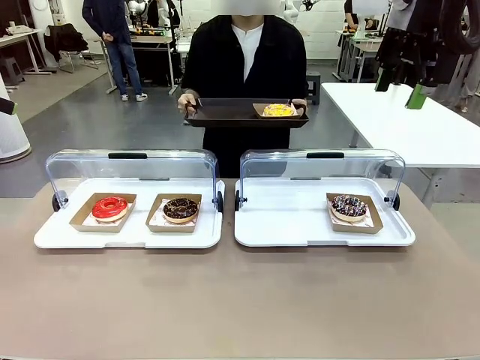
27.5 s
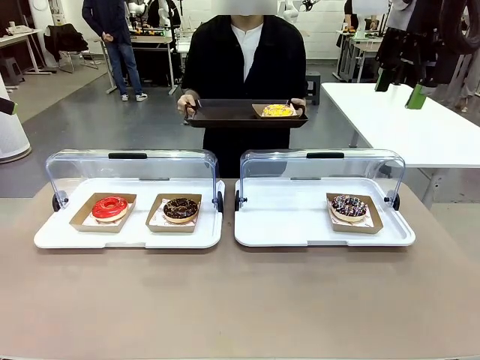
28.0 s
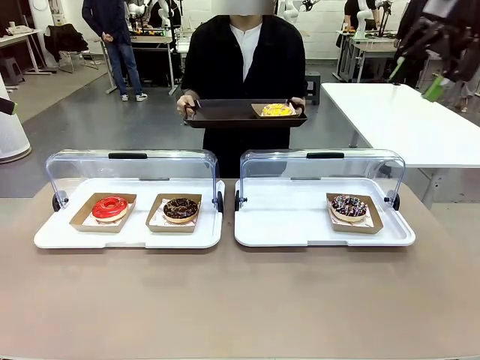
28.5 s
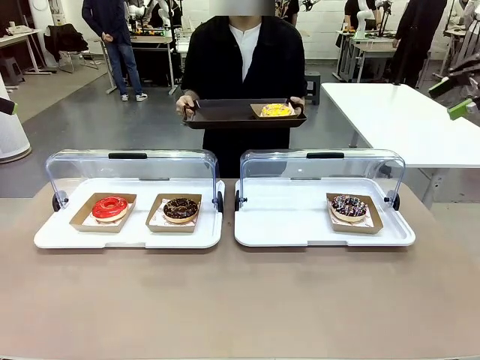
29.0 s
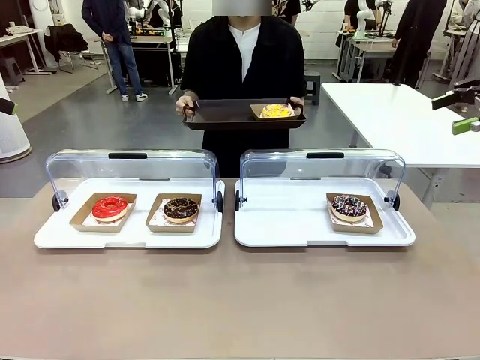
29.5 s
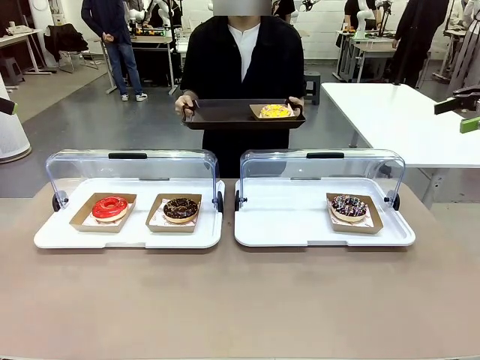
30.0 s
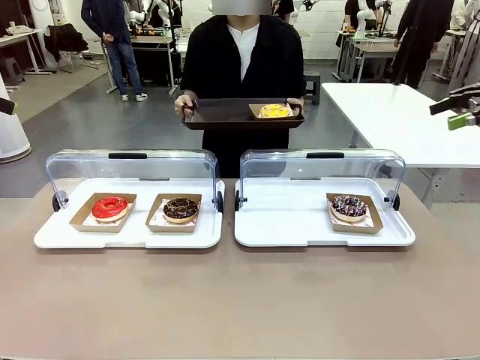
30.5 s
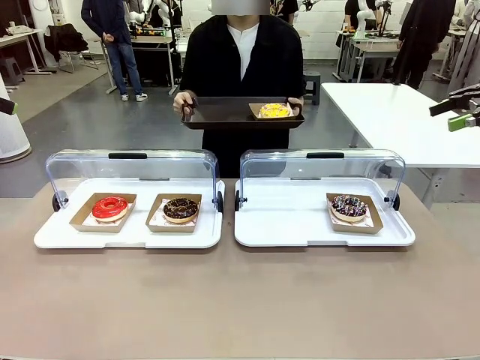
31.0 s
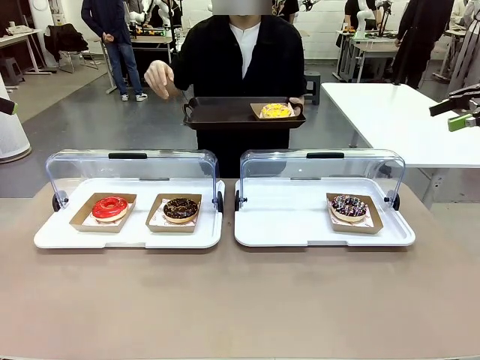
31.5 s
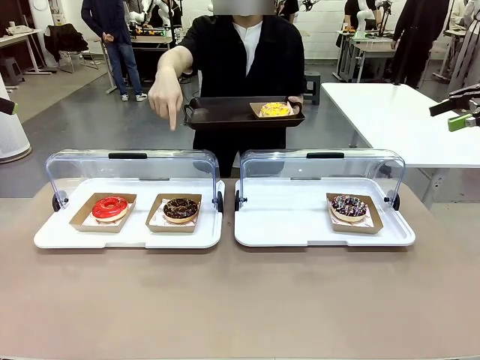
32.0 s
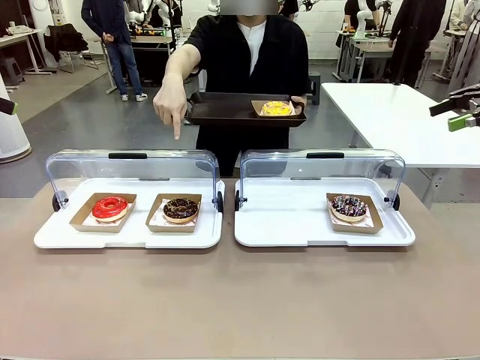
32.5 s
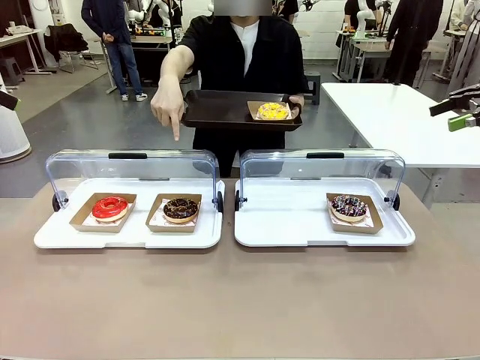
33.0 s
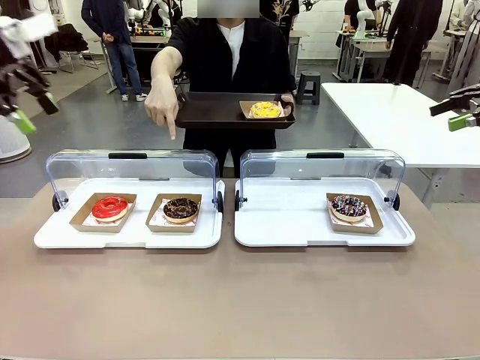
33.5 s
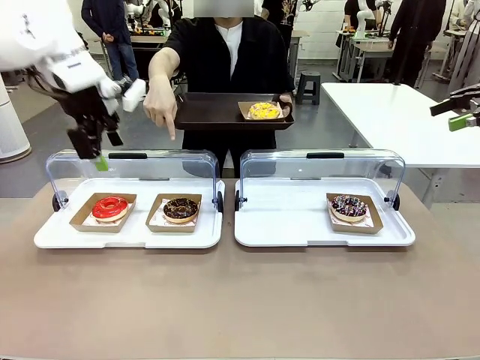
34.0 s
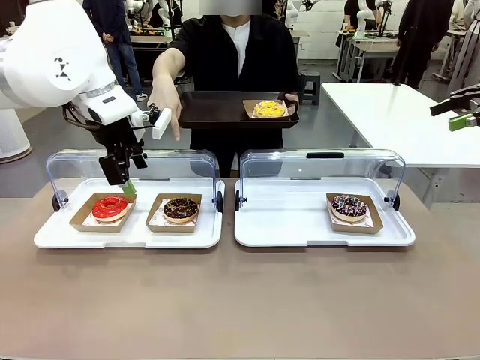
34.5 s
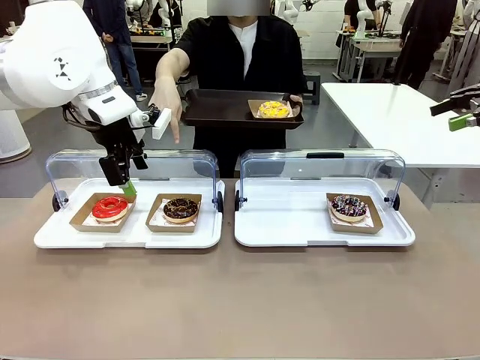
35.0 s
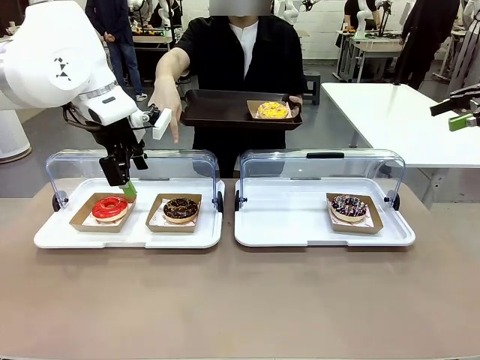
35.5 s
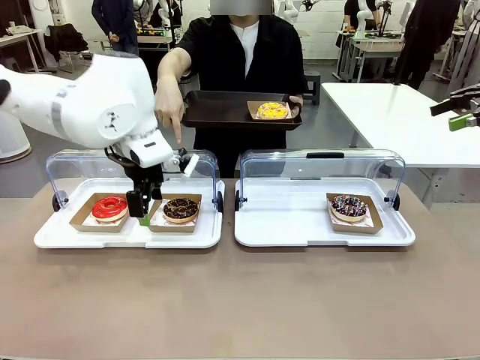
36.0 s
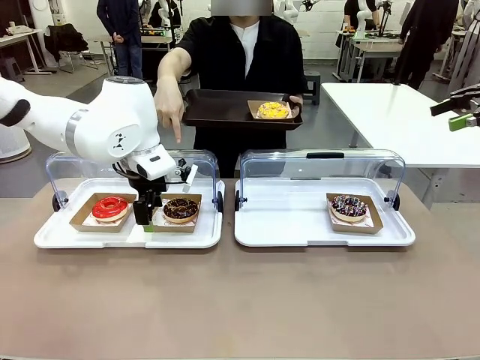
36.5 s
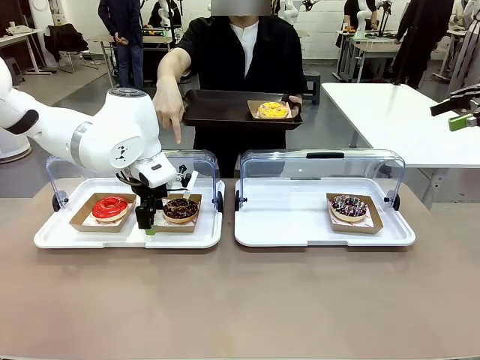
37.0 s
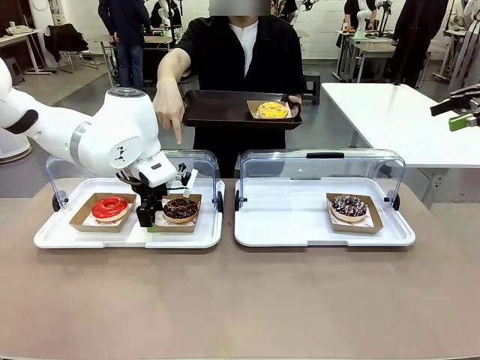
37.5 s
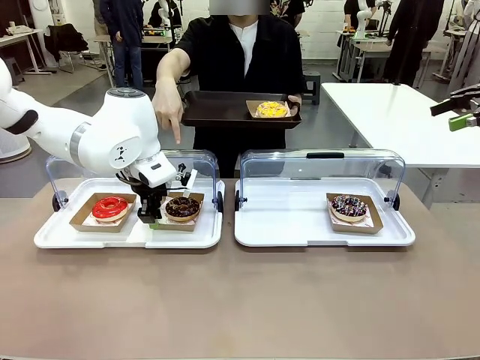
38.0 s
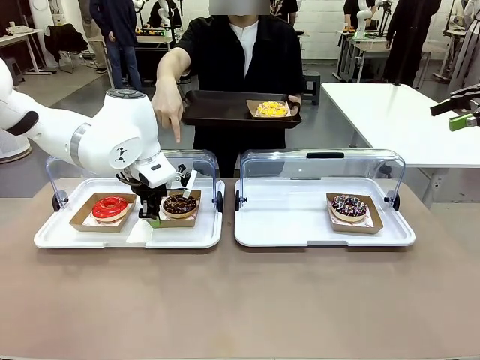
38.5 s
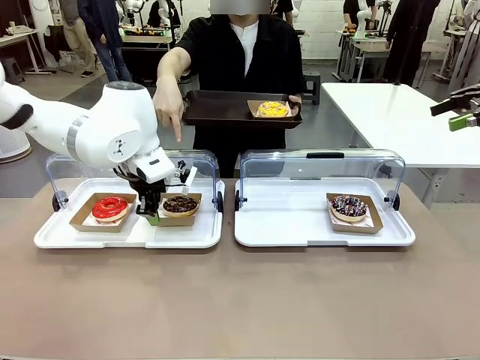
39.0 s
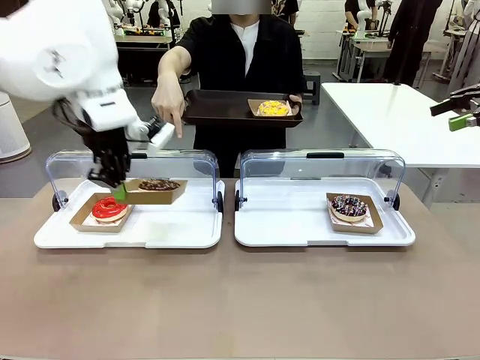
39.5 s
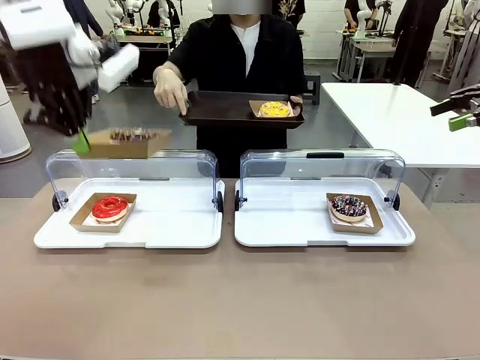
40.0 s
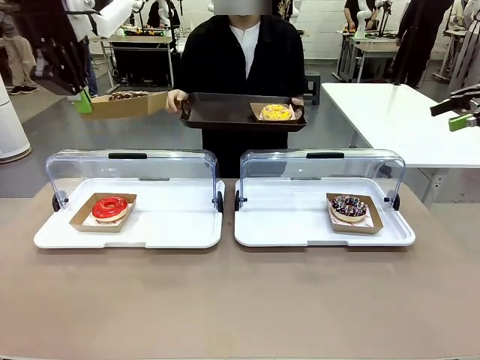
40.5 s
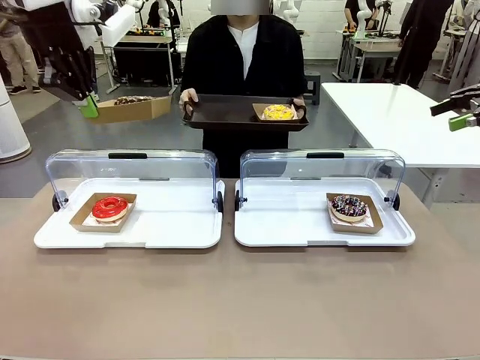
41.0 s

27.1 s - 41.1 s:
Task: Provide the desired donut to the person.
Robot: Pick up and lift the Paper togo box containing the Donut pointed at by the person.
Person: Point to one donut. Lift the tray onto the Roll-Top Bakery Case.

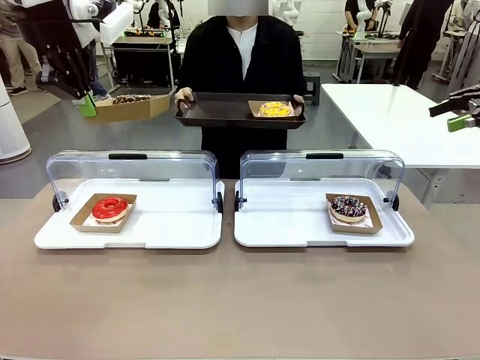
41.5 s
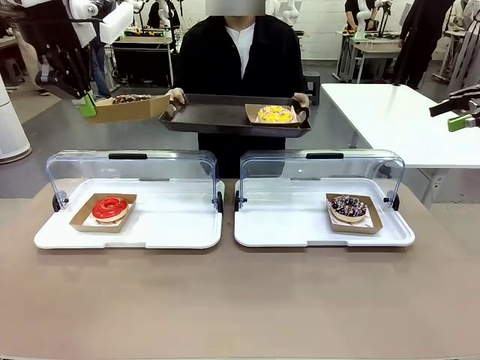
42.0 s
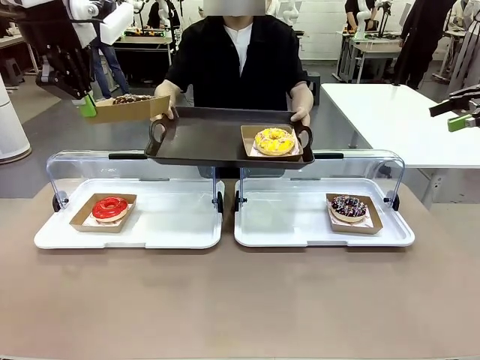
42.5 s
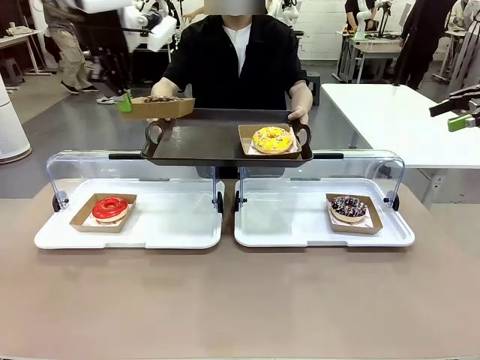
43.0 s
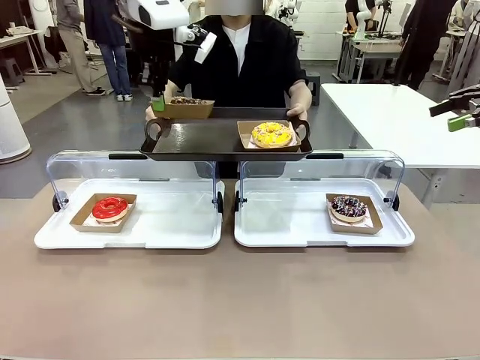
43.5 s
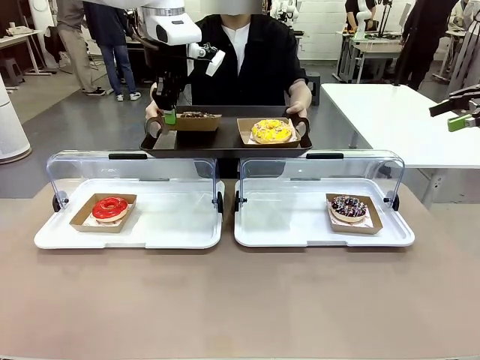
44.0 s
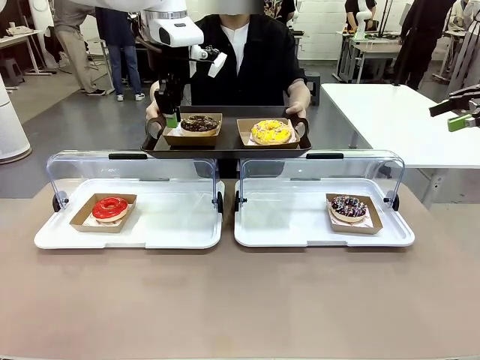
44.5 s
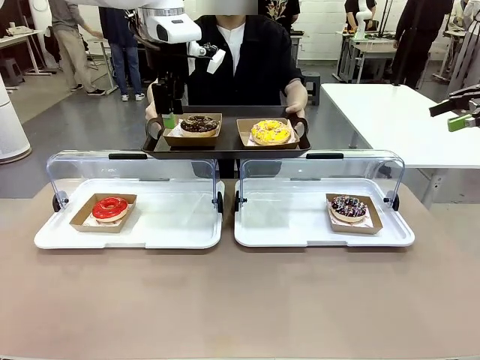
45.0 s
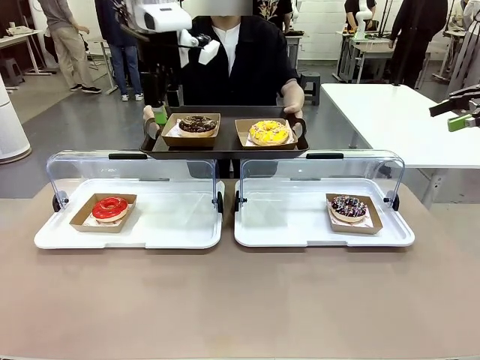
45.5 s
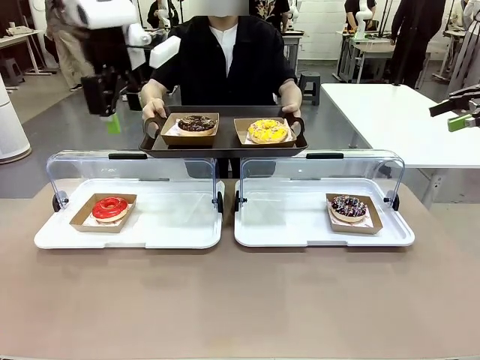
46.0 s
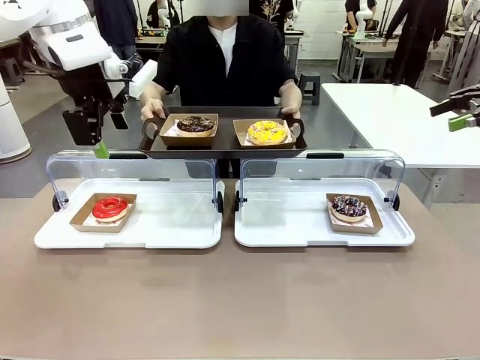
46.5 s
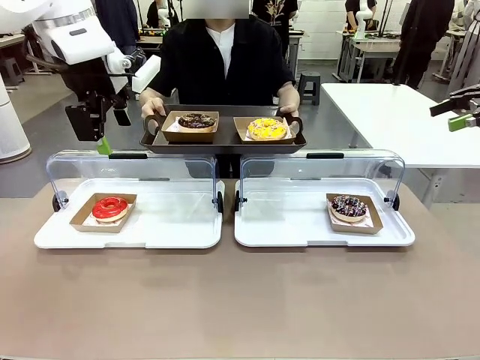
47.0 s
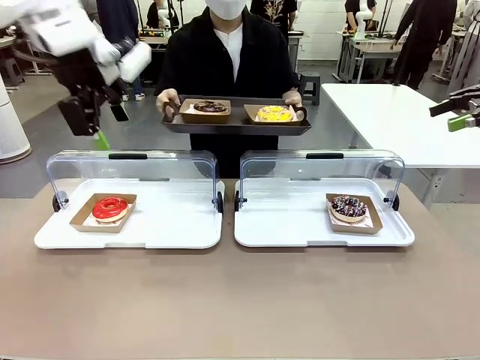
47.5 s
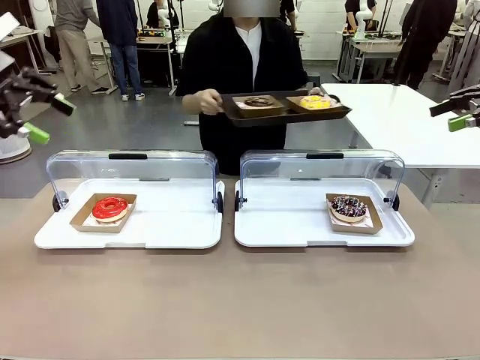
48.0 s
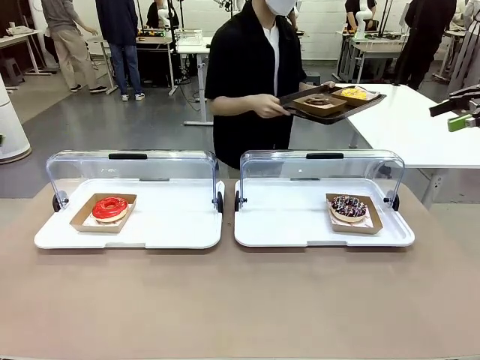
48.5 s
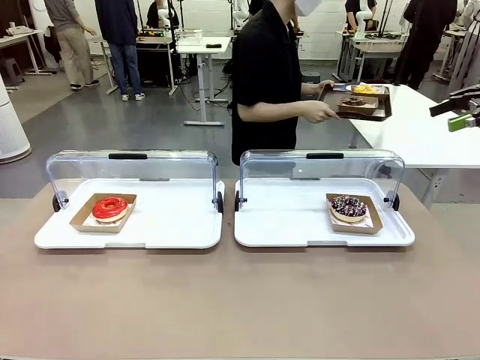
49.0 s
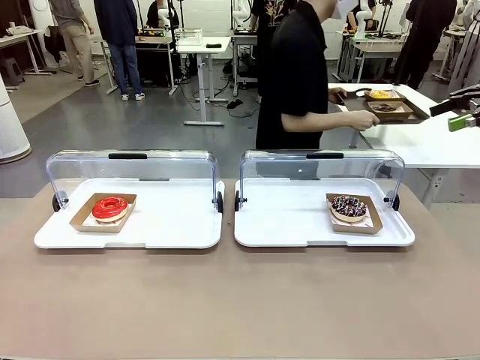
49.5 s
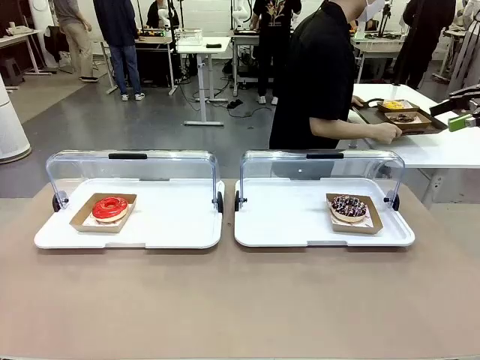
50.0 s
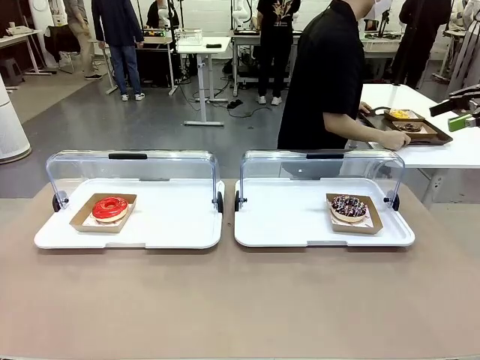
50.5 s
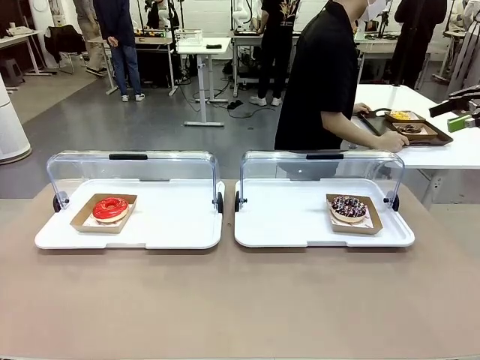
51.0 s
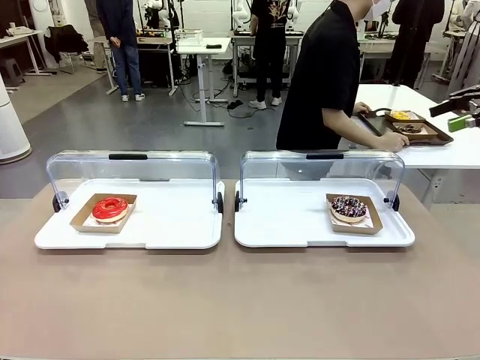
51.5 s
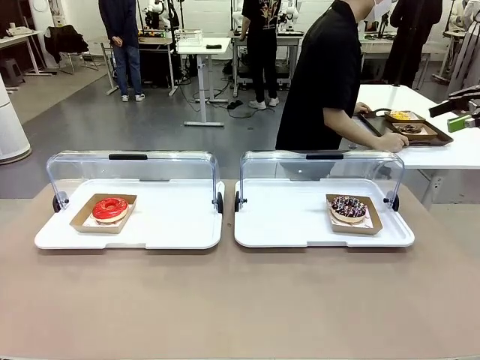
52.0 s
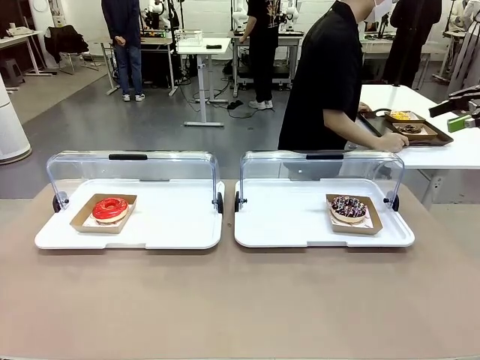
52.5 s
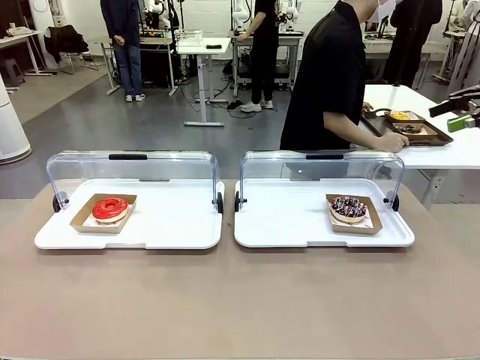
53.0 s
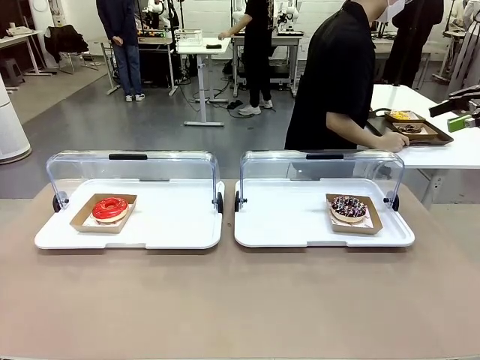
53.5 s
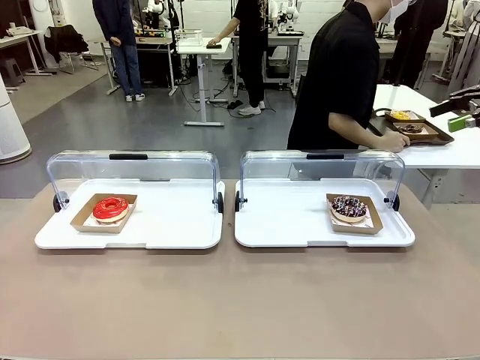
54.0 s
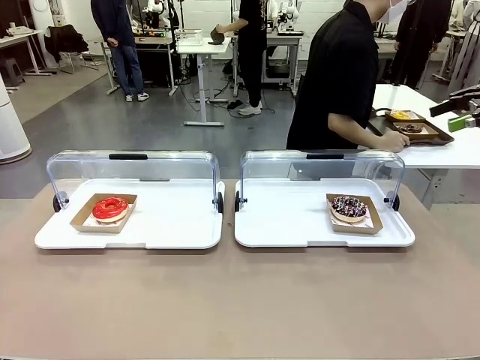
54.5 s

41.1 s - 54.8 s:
Robot: Place the picked Paper togo box onto the Handle tray extended by the person.
Person: Place the tray in the middle of the human table.
